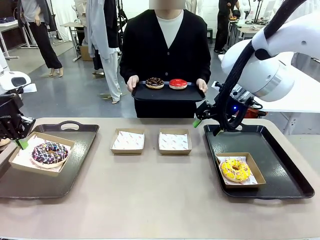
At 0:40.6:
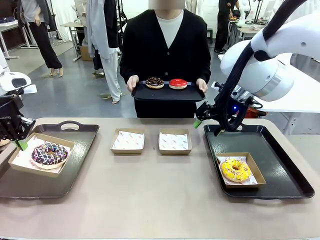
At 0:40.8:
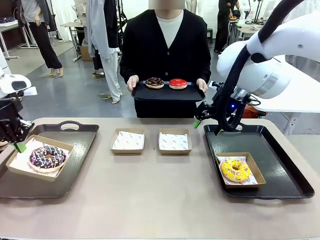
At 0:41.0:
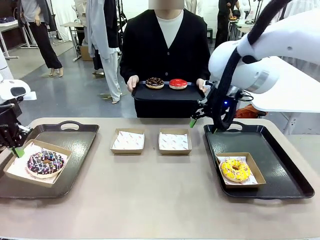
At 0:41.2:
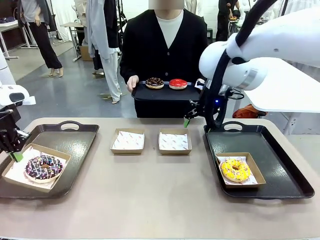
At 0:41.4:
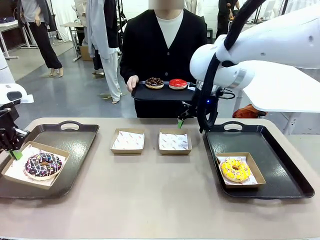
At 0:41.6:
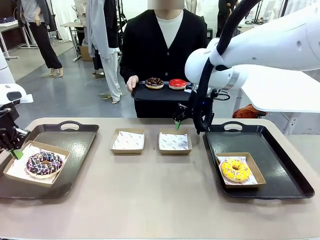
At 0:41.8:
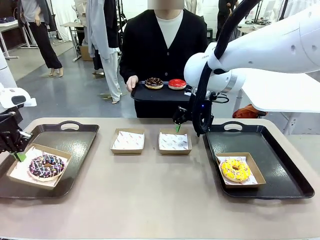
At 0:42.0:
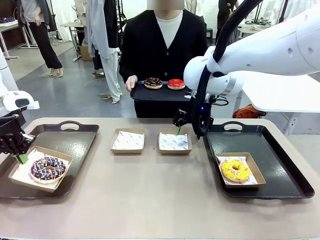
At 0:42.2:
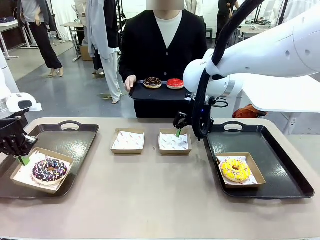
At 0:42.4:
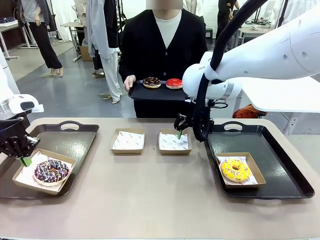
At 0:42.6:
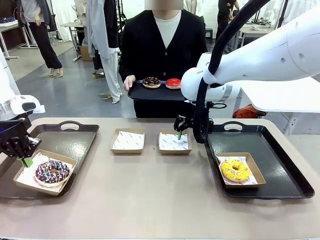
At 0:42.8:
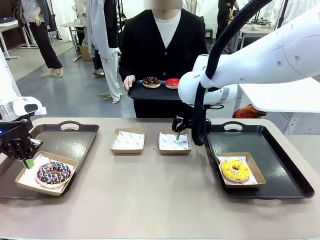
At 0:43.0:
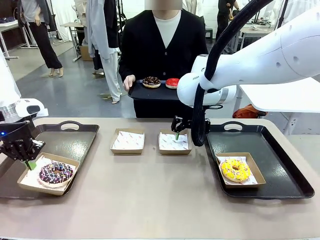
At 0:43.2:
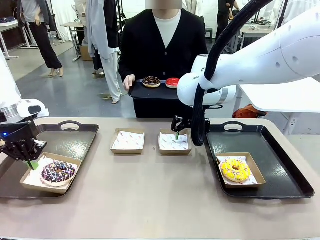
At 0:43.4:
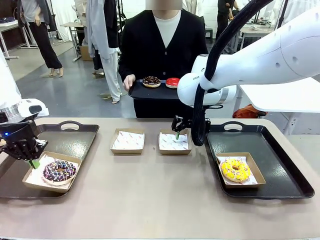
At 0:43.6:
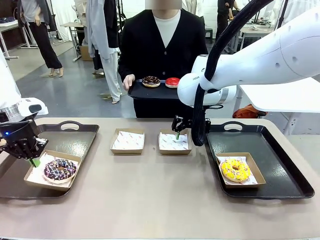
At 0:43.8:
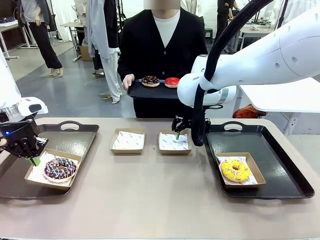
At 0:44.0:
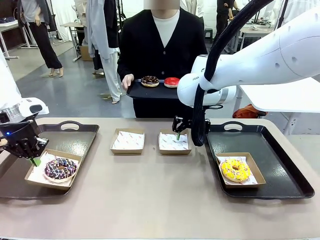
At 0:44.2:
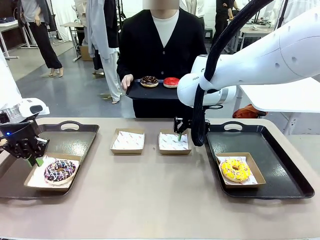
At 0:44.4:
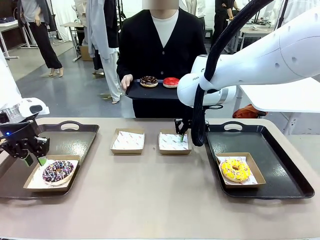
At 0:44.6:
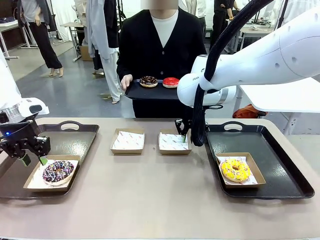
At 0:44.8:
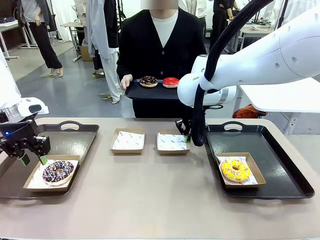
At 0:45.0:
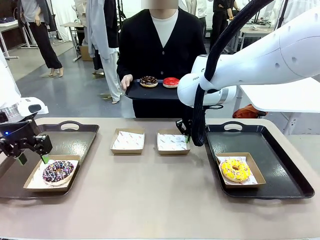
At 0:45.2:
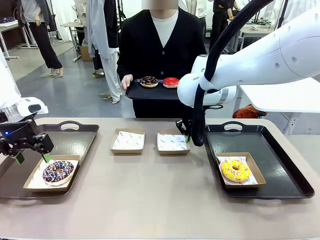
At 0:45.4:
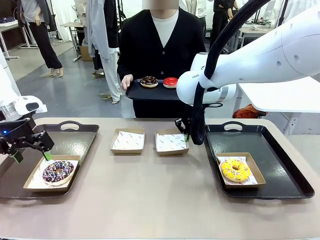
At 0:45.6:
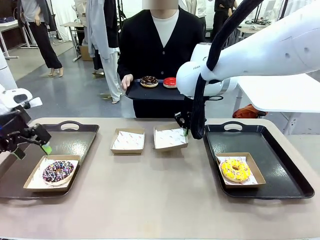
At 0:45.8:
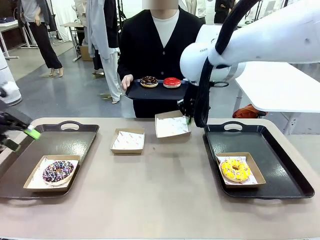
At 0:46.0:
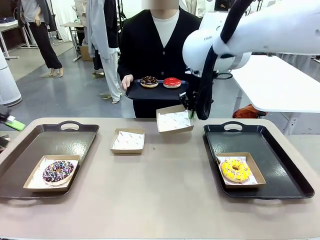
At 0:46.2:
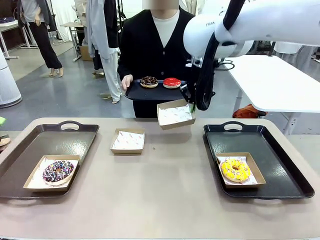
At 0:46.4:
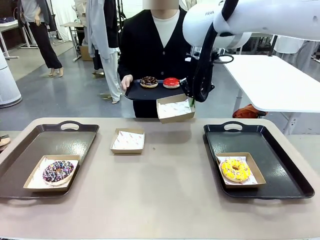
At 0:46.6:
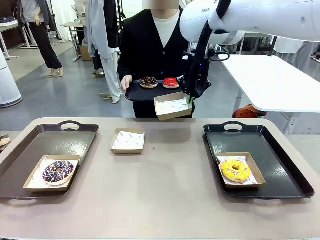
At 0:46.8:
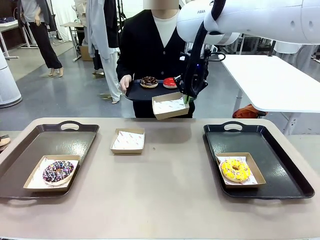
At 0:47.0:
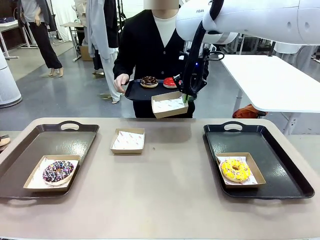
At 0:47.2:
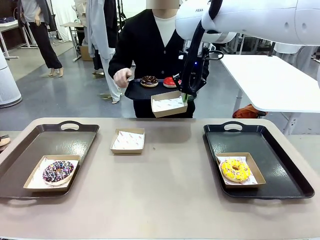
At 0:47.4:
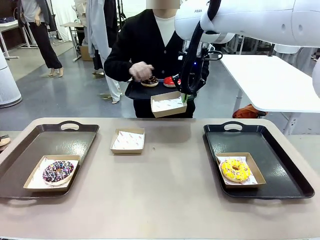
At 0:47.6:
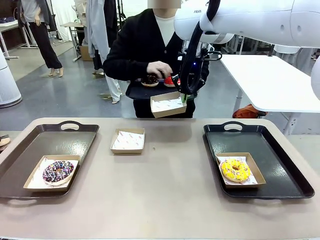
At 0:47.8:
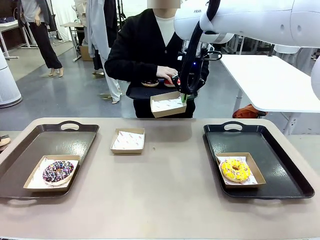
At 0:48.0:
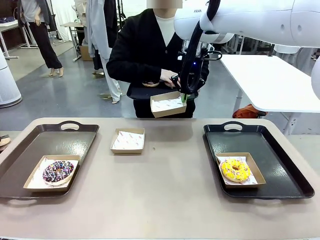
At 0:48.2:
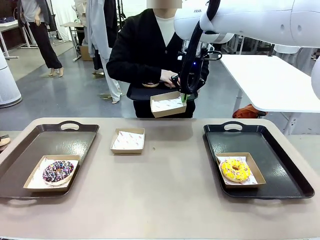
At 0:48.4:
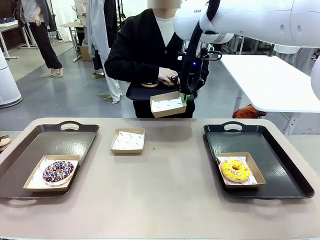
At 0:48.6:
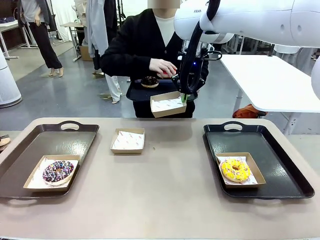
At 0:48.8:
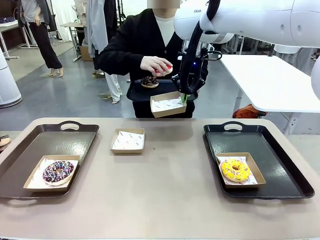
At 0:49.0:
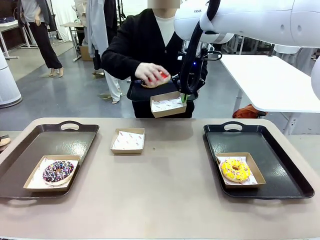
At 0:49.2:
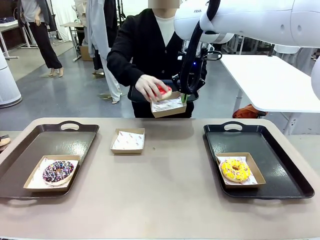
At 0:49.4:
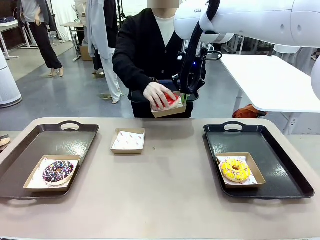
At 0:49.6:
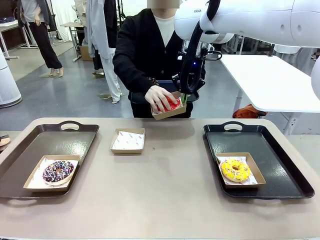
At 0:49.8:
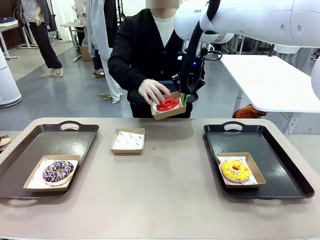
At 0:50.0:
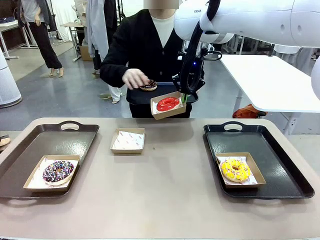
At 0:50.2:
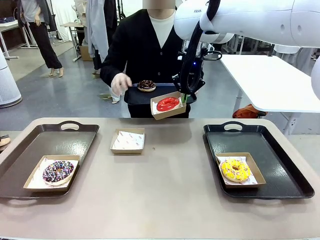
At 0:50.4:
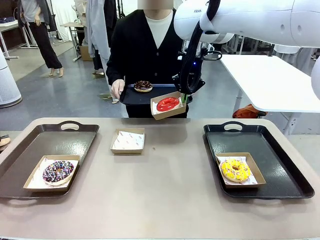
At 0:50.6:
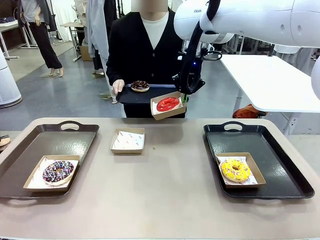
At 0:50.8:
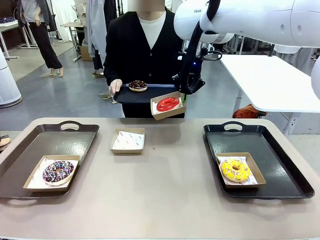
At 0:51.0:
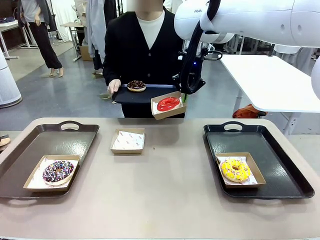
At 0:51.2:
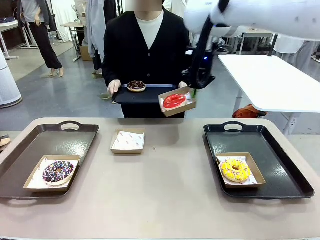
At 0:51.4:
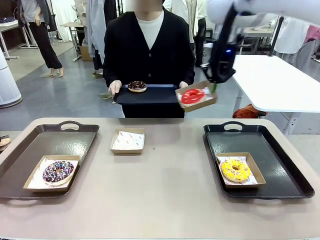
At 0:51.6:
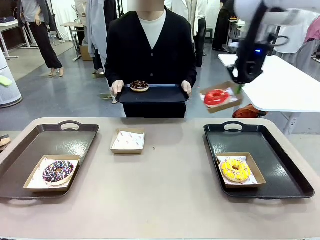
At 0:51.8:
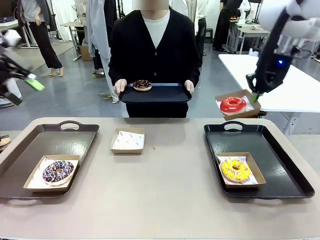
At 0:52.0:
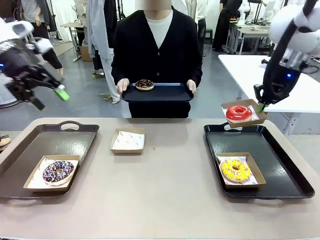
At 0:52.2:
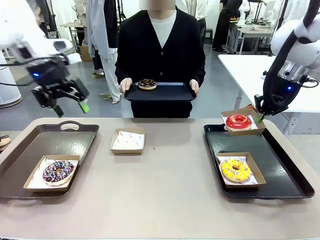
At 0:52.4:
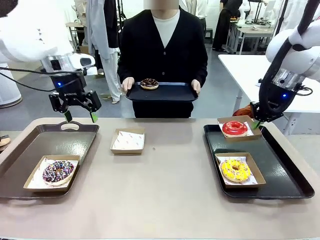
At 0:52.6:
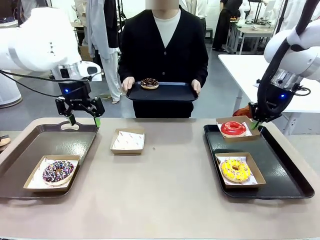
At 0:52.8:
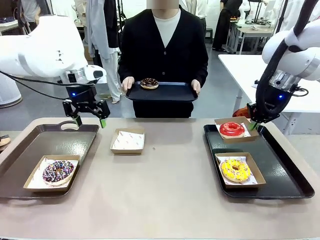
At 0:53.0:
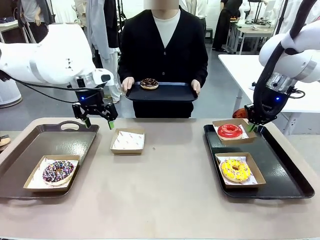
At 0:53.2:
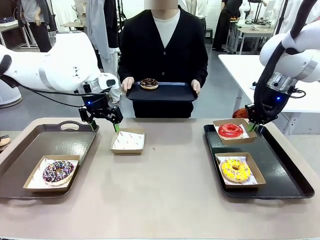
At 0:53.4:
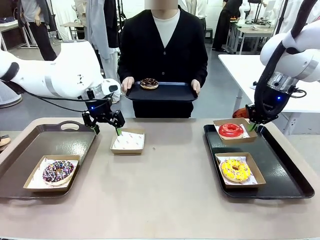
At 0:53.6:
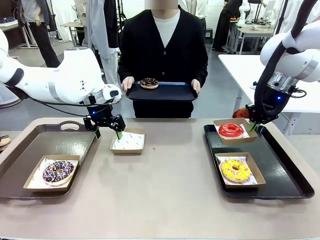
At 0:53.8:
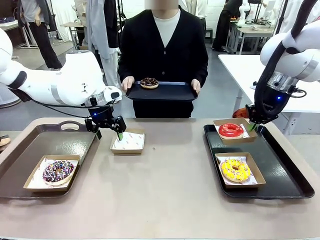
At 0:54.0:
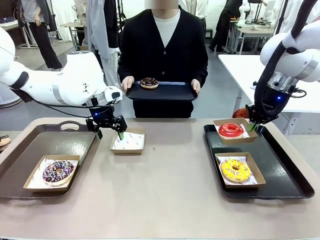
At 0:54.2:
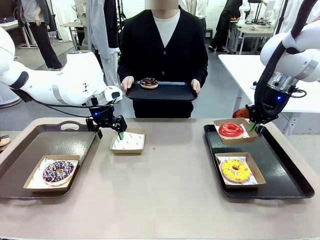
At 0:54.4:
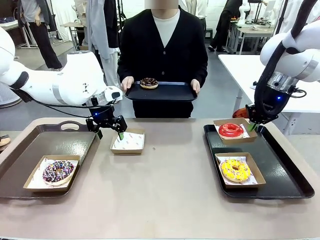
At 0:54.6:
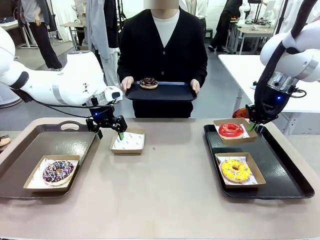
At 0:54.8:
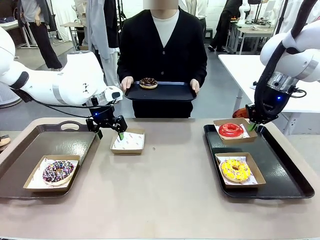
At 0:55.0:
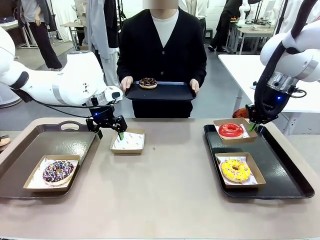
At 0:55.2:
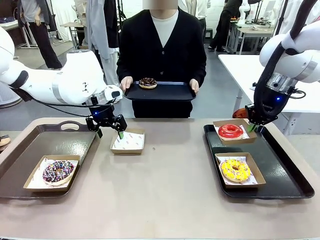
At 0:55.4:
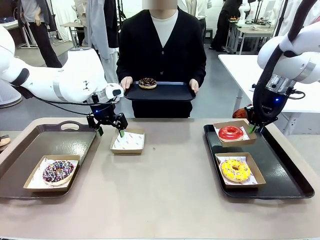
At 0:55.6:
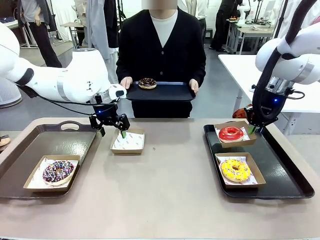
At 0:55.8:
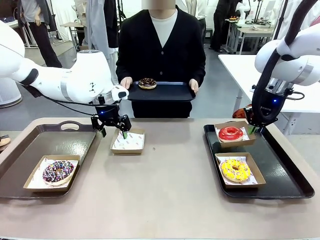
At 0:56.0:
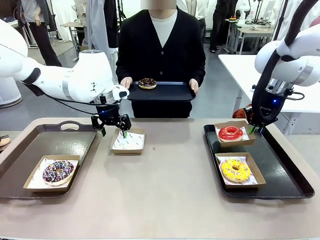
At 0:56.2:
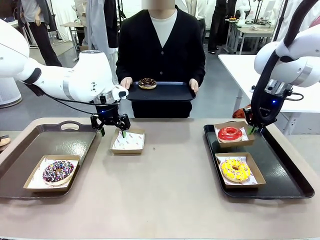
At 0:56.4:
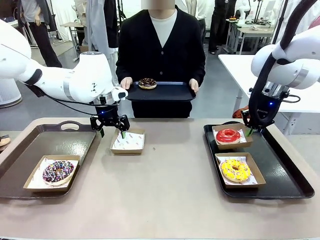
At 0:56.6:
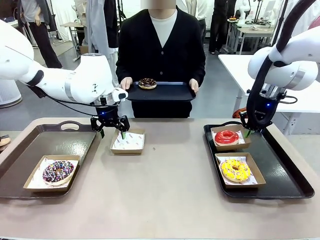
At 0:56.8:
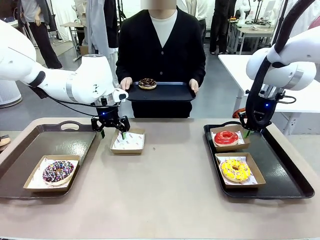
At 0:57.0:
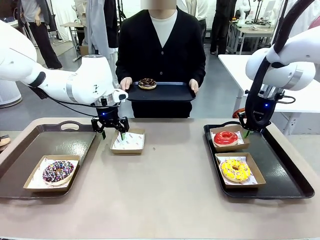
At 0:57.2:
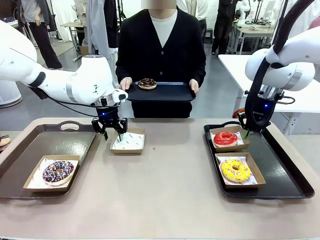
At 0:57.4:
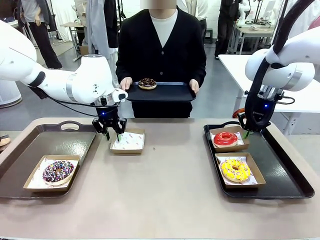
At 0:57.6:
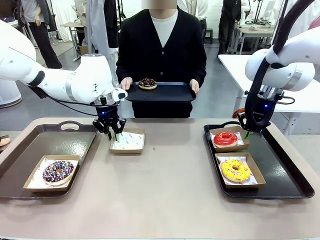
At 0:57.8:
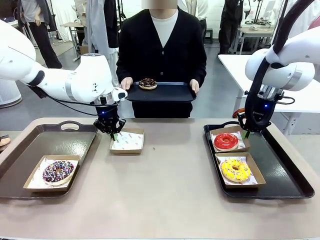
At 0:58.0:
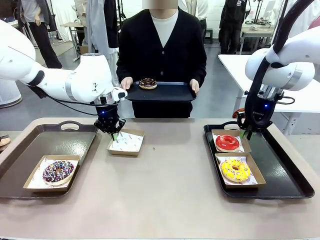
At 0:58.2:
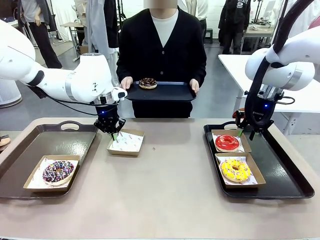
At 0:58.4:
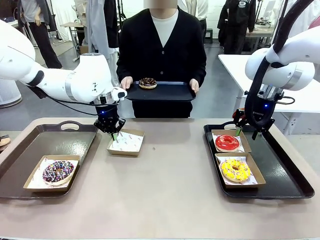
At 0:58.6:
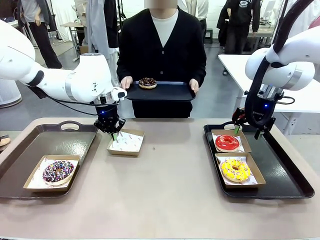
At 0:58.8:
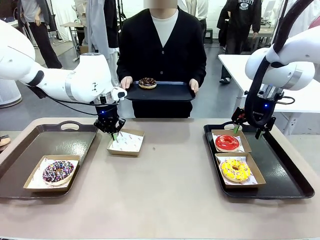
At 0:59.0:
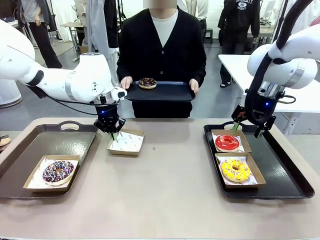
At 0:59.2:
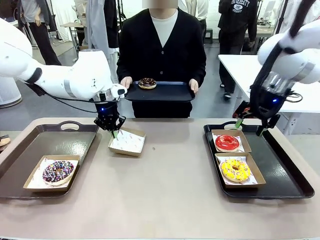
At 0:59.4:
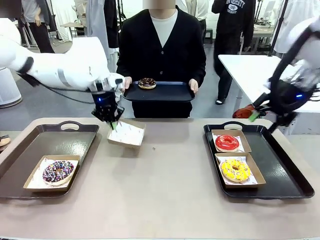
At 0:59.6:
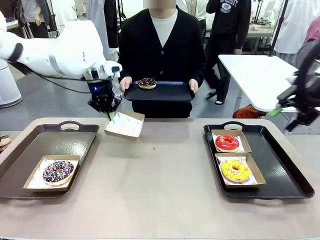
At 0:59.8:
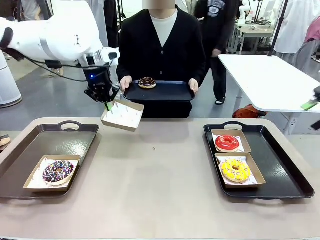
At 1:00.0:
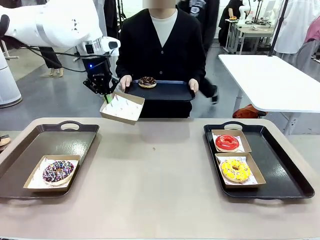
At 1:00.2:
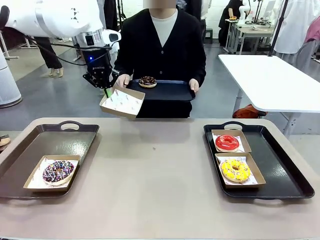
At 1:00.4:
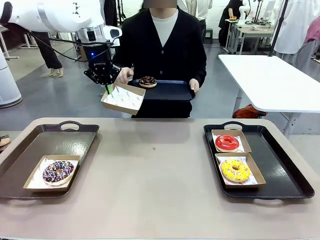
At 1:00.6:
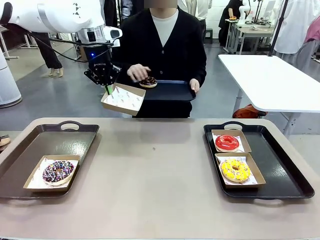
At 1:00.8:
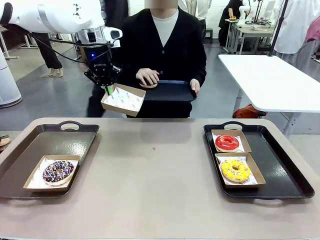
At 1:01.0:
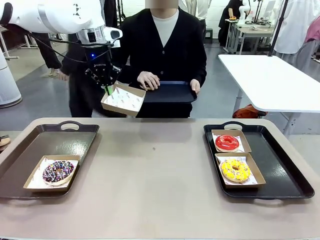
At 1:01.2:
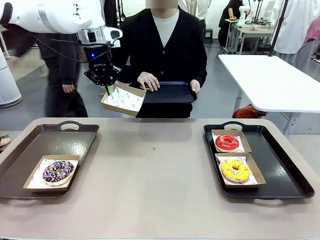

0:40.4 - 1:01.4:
Task: Individually package the donuts and arrange them on the tray.
Robot: Place the picked Paper togo box on the Handle tray while simultaneously picking up another Paper togo box from the table with the other hand.
